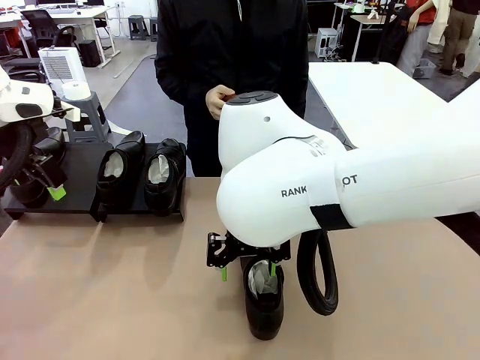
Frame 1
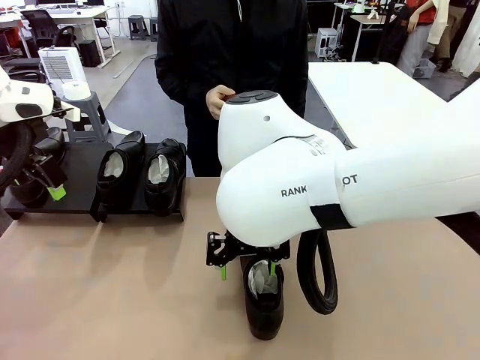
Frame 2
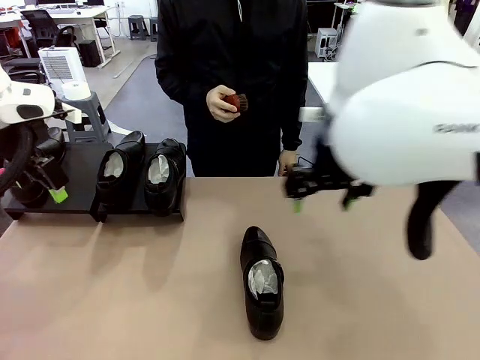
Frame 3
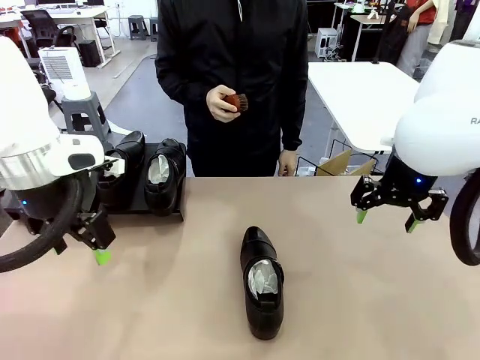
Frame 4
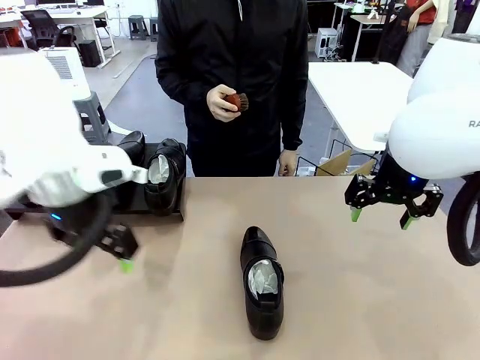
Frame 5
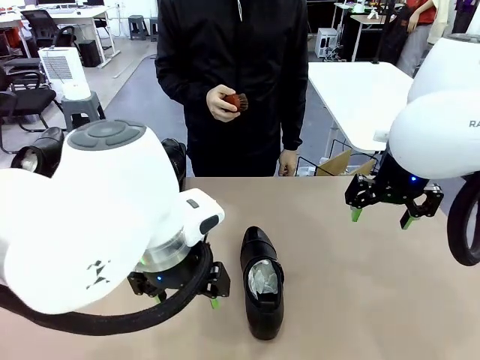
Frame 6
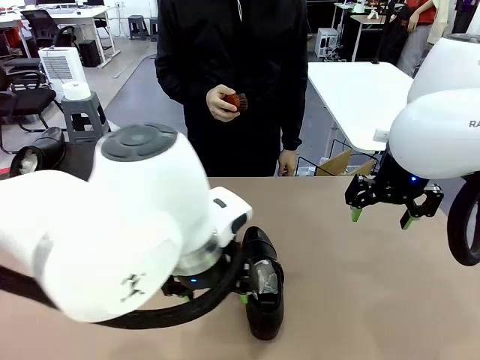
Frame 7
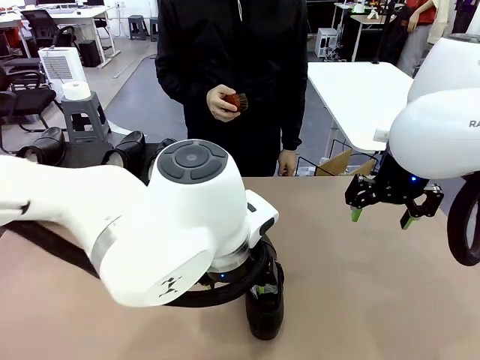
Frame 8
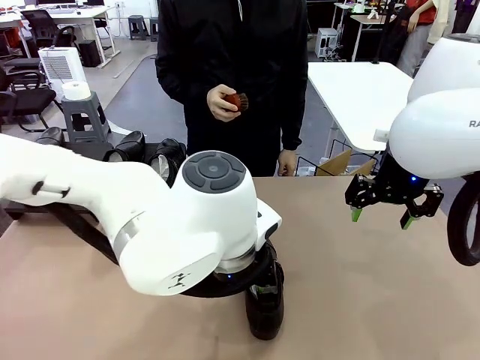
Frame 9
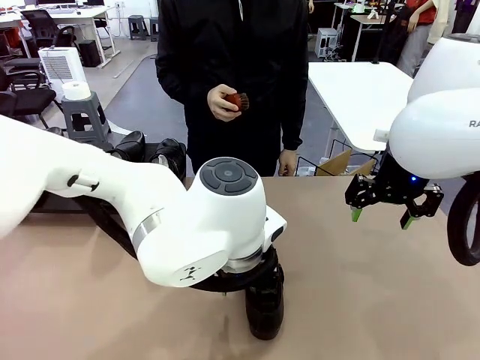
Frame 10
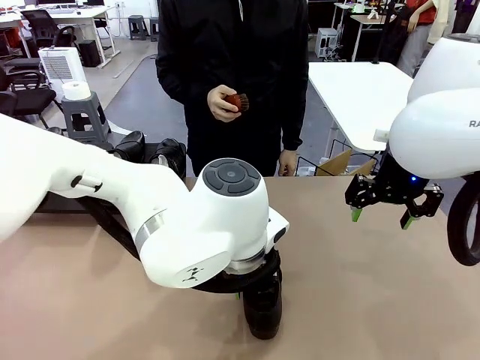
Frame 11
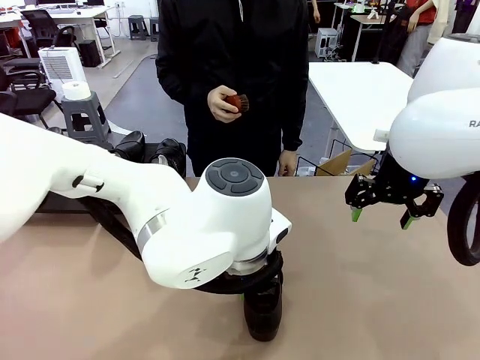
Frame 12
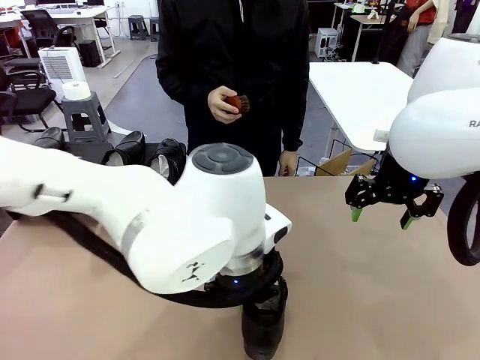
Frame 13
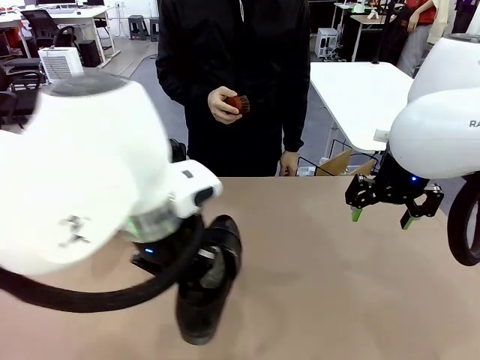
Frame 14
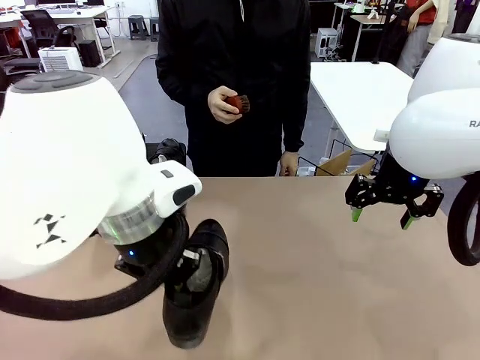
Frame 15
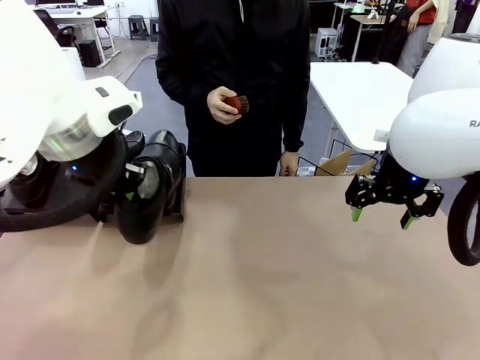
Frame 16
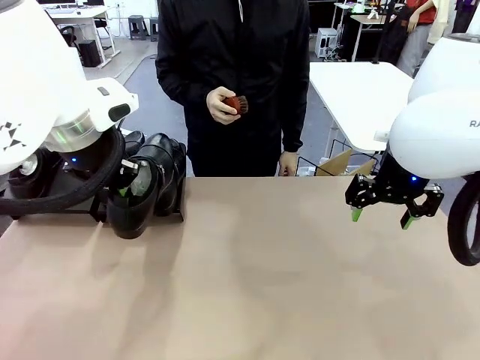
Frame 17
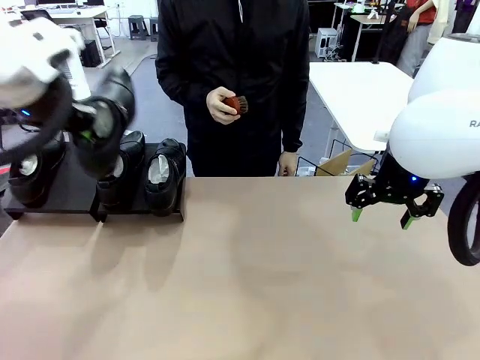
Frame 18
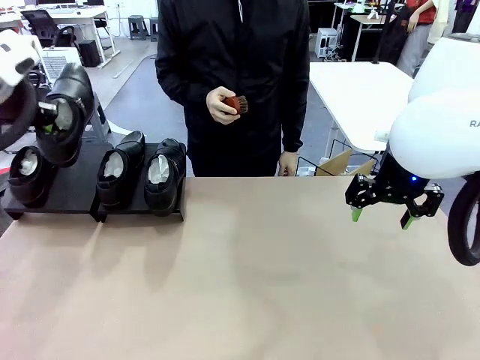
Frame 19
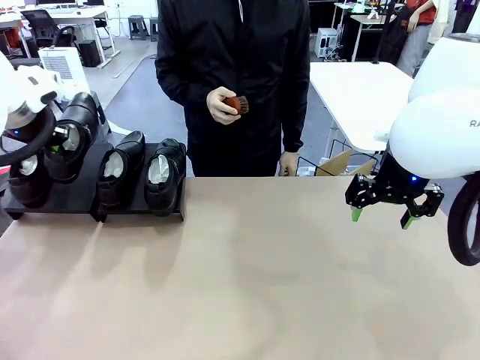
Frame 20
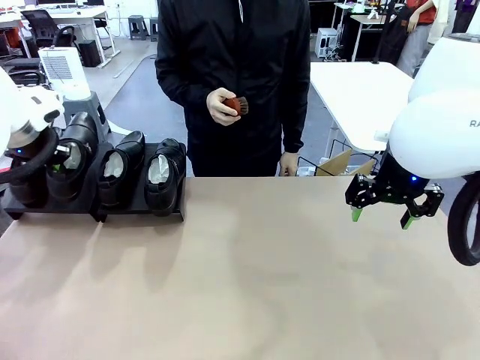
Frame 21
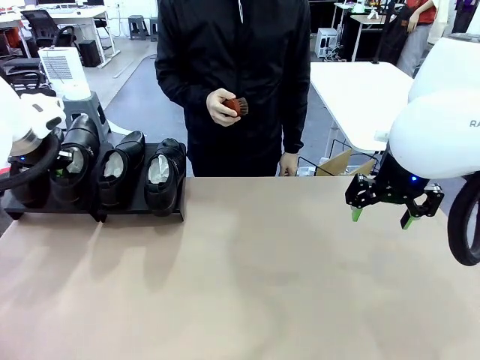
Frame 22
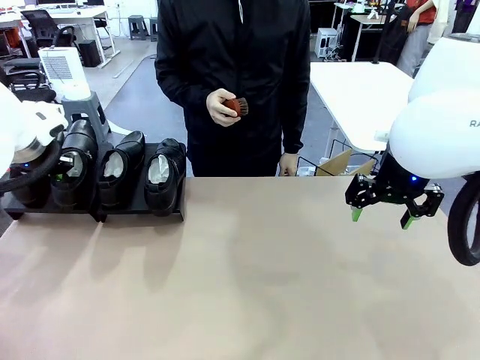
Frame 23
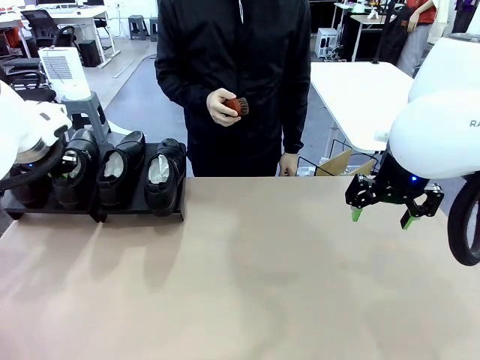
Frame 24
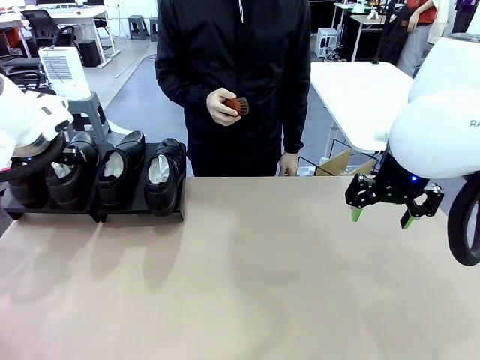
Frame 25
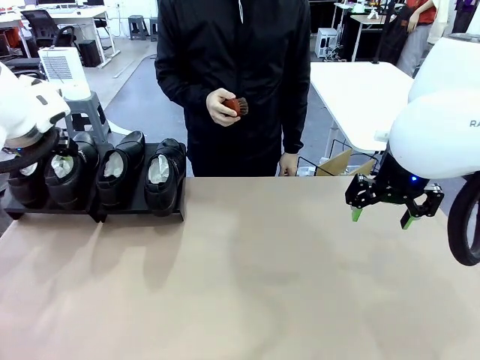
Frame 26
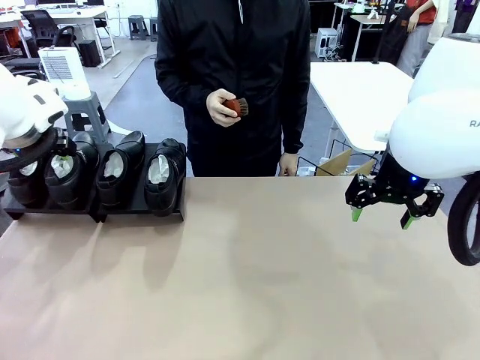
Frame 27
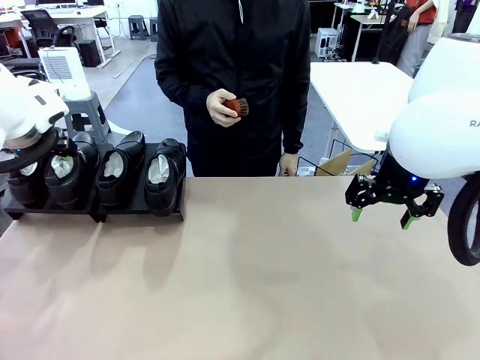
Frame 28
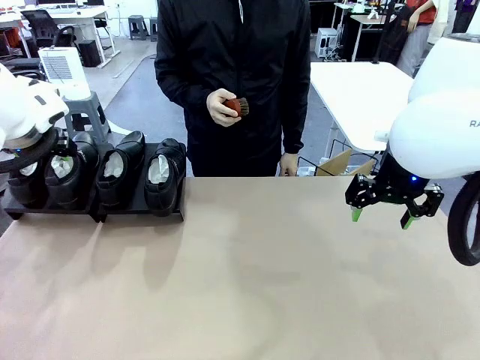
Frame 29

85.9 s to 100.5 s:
Task: Organize the shoes by placing them on the stand.
Robot: Place the Shoe from the middle of the table onto the Shoes Stand.

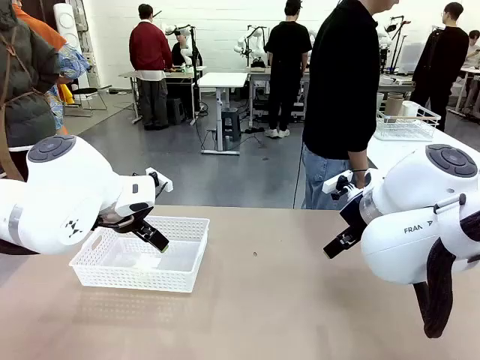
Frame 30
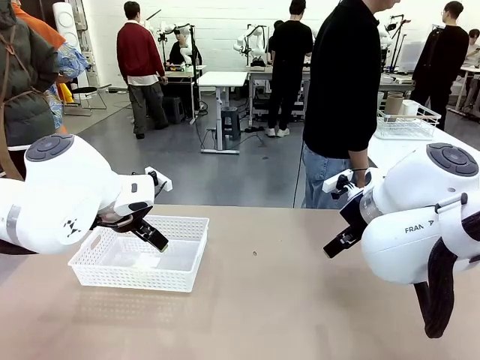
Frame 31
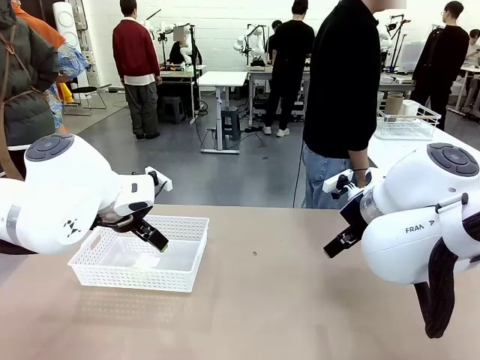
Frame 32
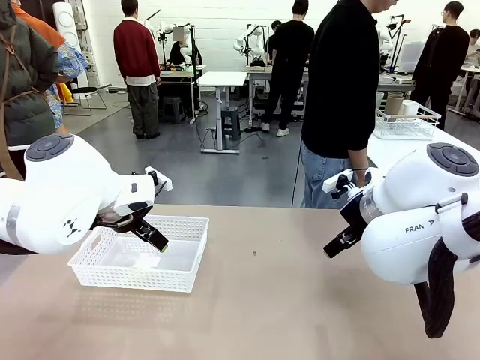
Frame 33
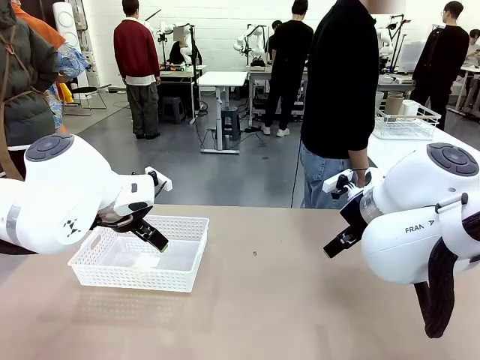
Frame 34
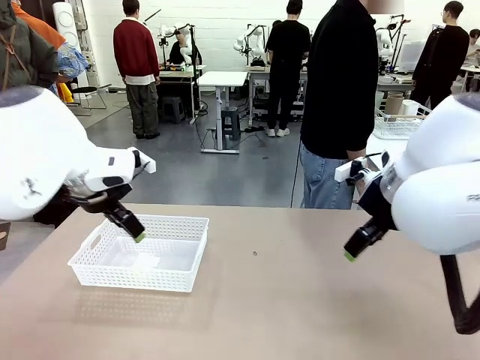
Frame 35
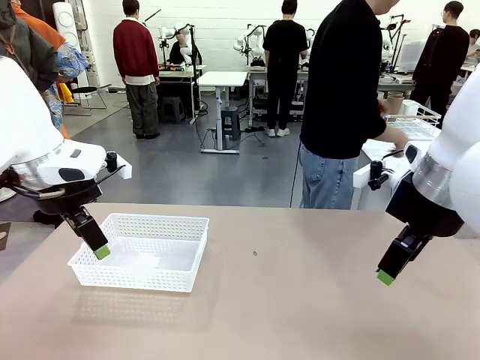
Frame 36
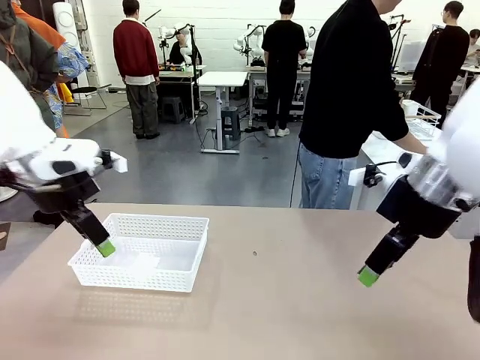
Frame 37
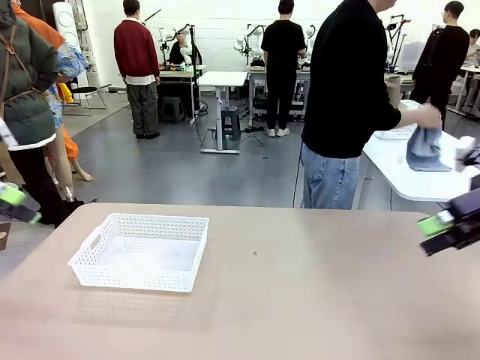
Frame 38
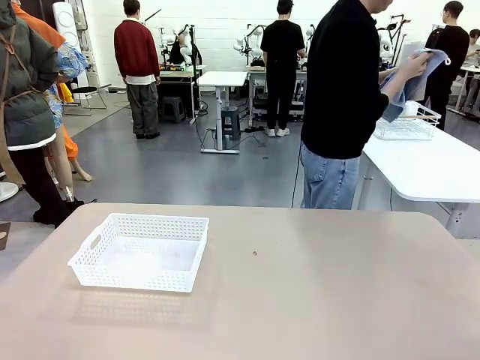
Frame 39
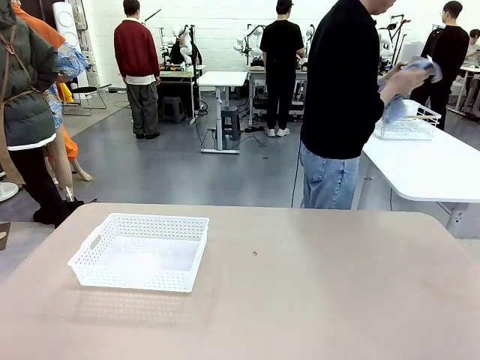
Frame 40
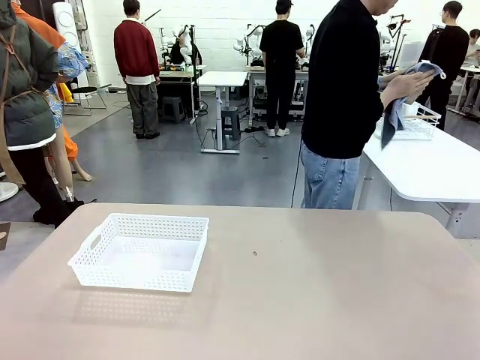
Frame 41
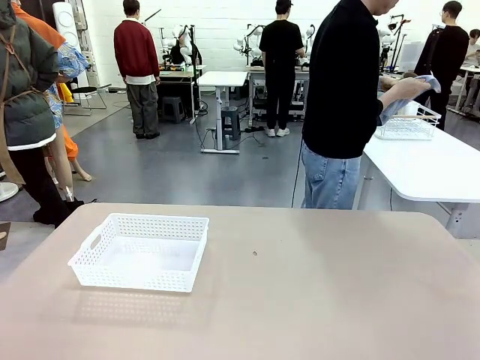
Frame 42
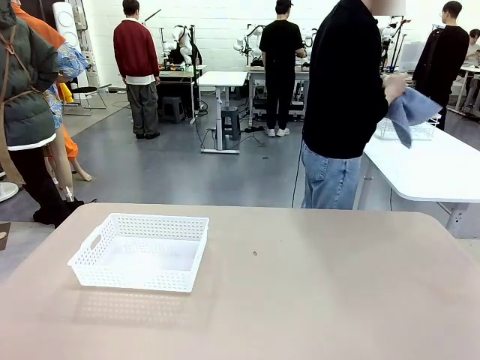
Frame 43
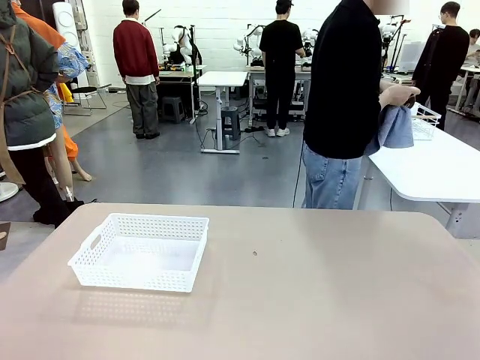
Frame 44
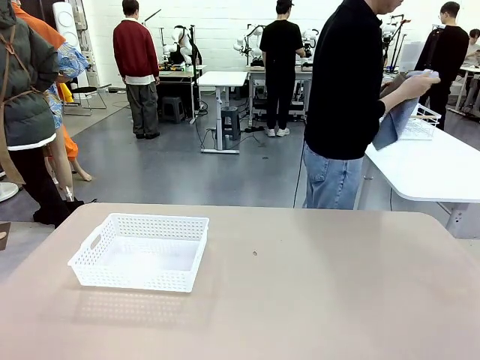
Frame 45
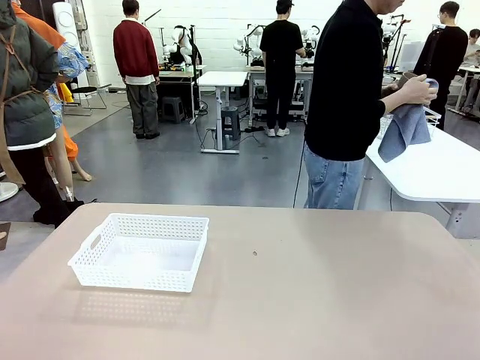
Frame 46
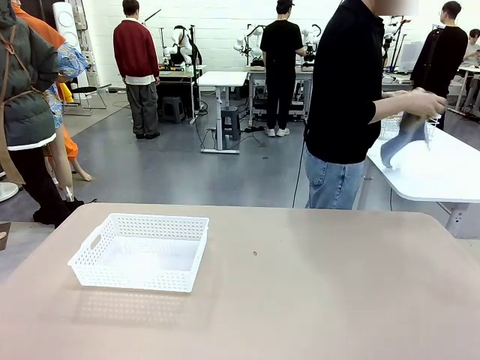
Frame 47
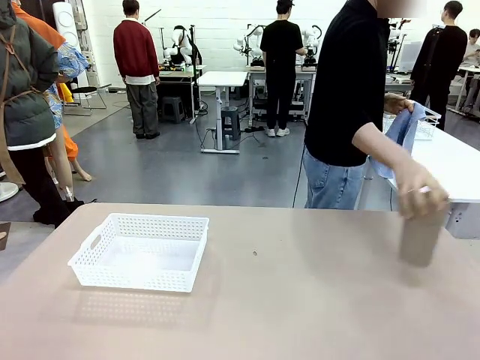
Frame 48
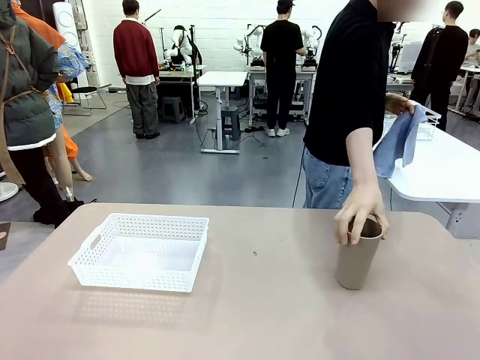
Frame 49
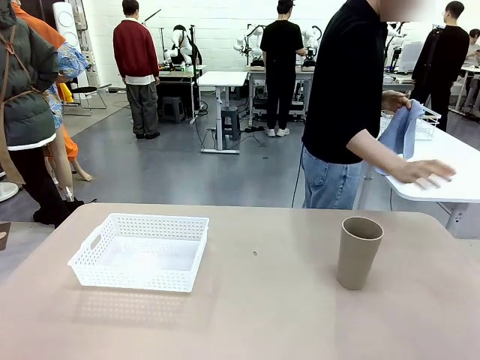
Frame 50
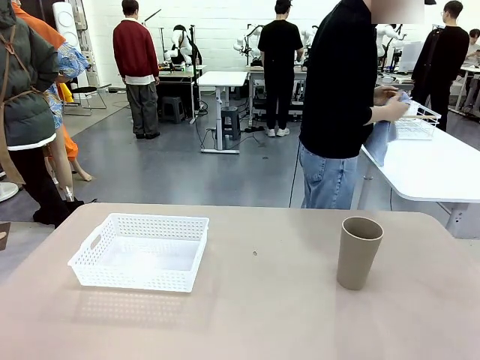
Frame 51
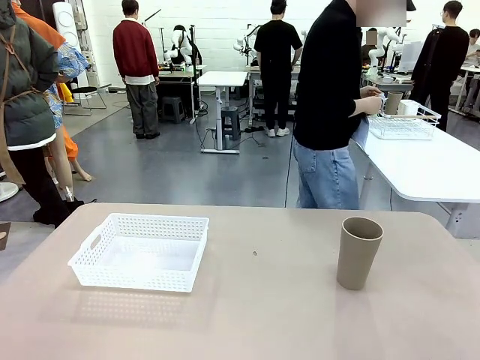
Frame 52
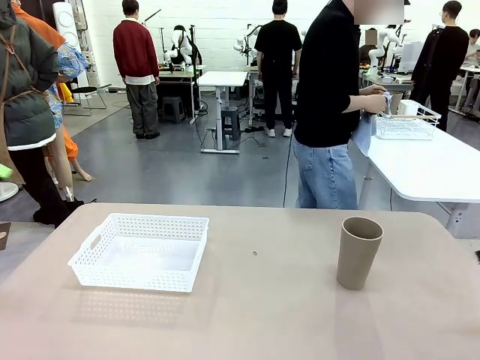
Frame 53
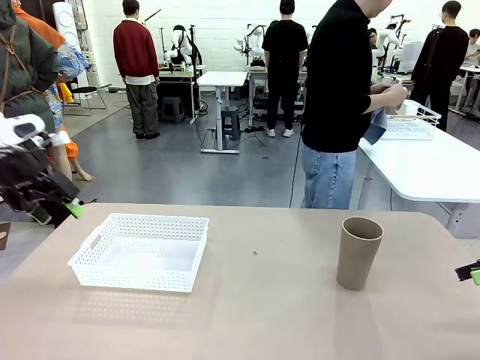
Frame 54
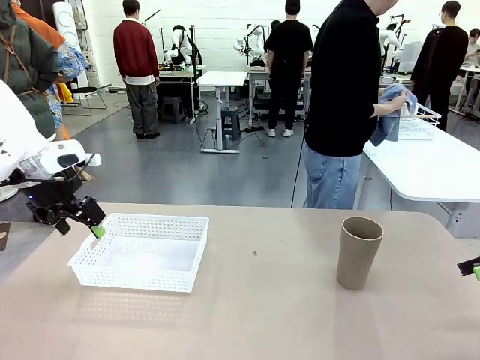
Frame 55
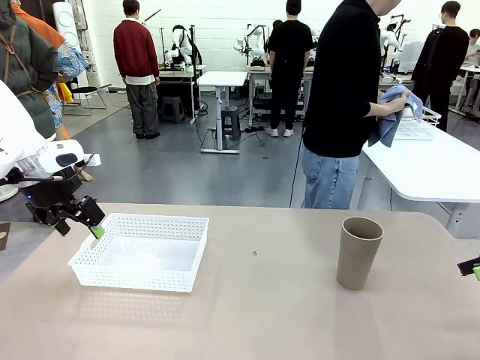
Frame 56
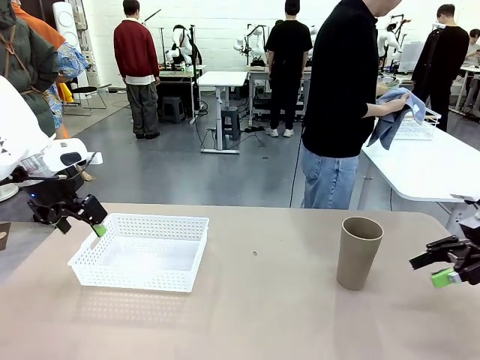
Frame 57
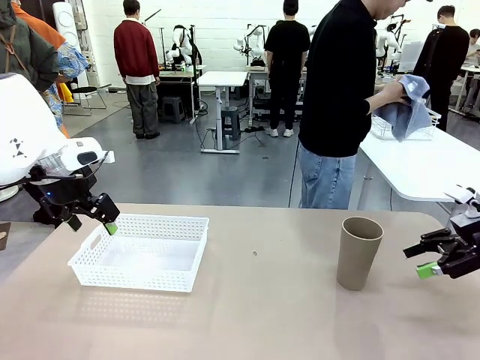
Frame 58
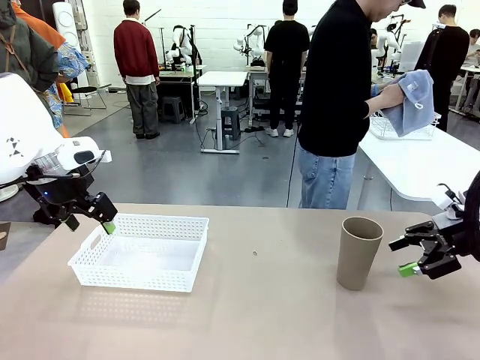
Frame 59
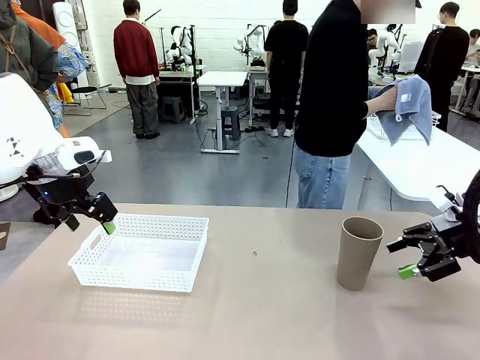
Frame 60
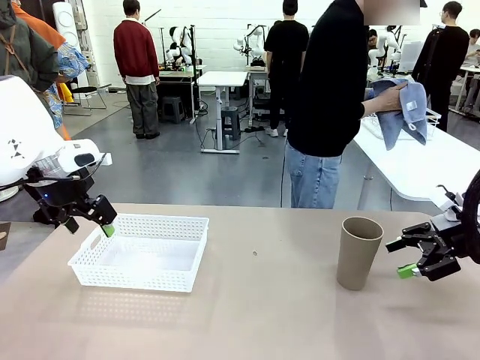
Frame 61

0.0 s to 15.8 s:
Task: Clean and organize the cups into the basket.
Robot: Pick up the Organizing basket and move it to the center of the table, then pick up the Reusable plastic cup from the right side of the table and place it inside the Organizing basket.
Person: Picks up a cup and a towel, cleans the cup with the towel, and places it on the left side of the robot table.
